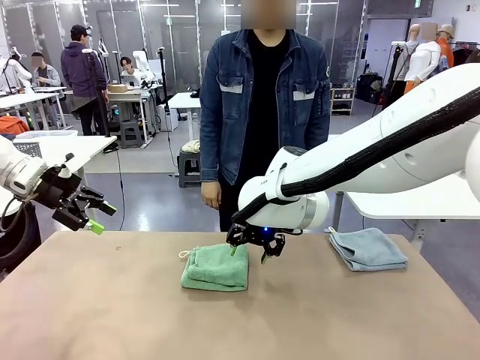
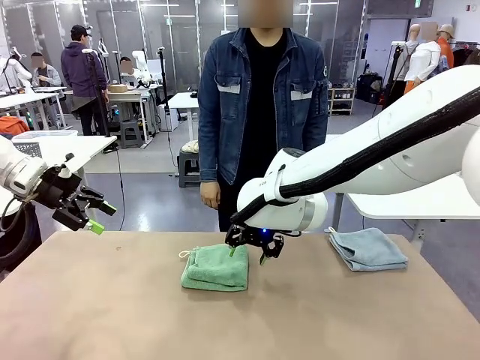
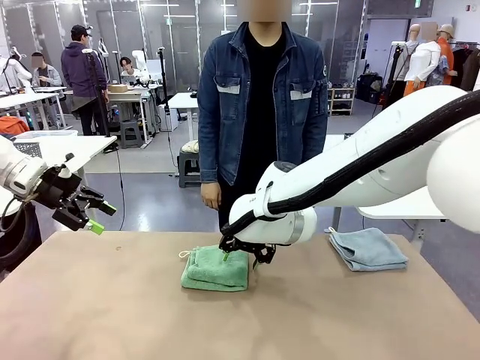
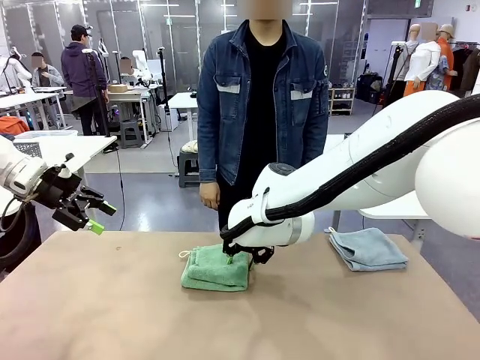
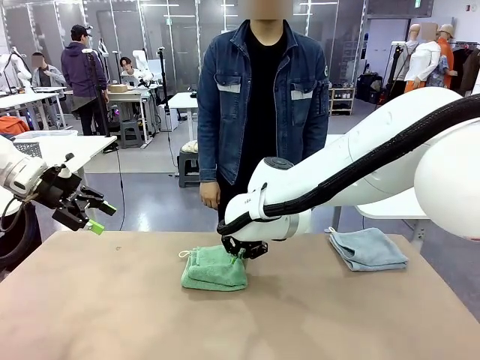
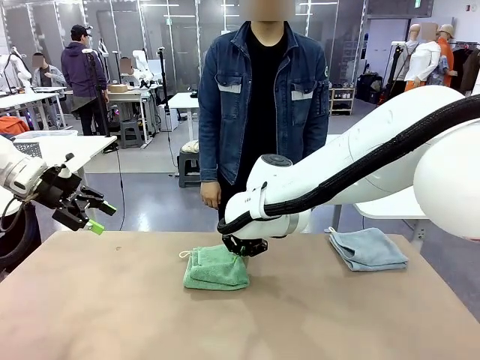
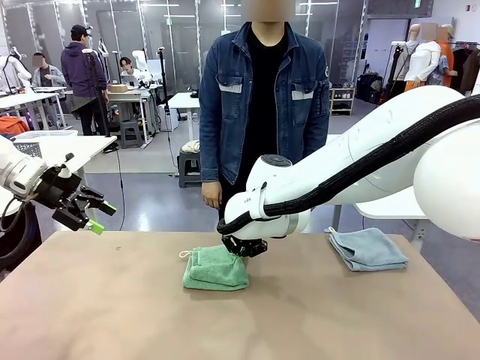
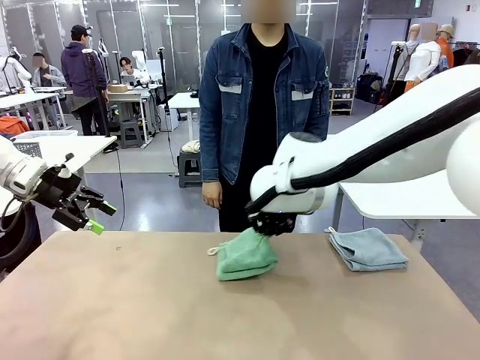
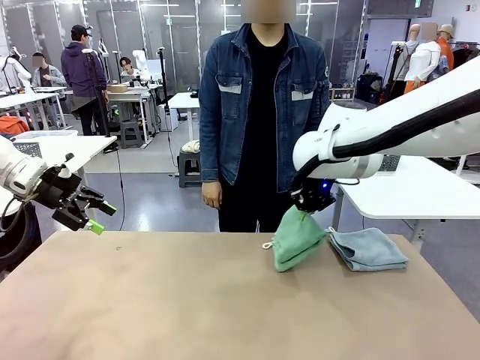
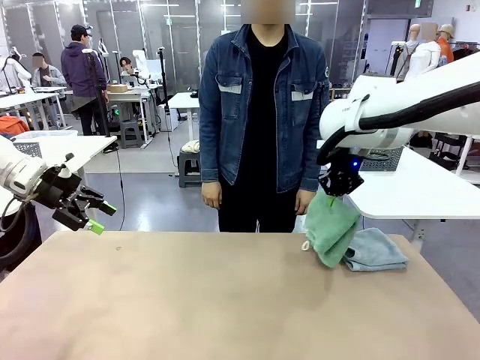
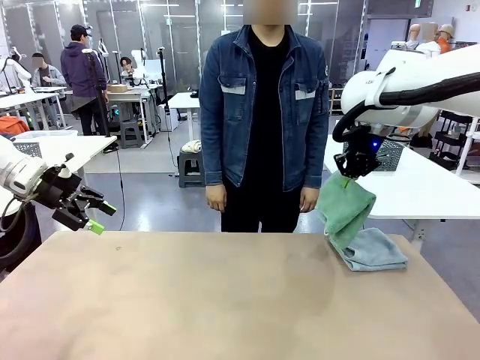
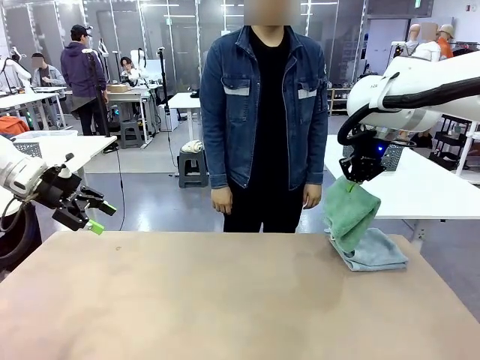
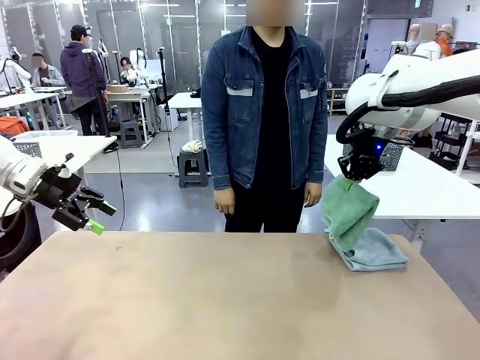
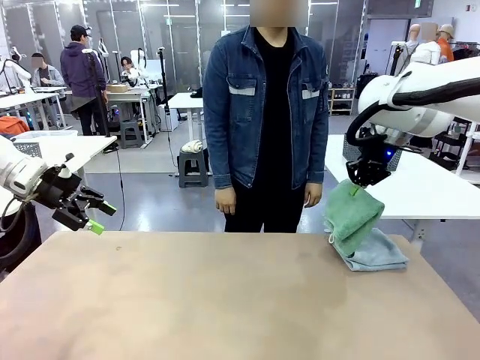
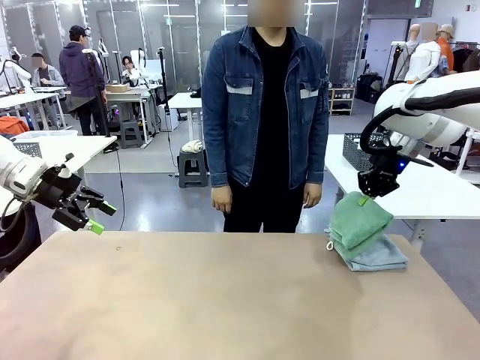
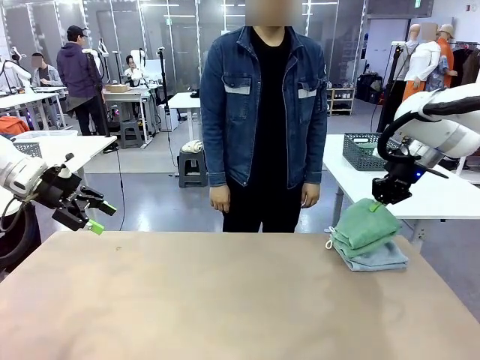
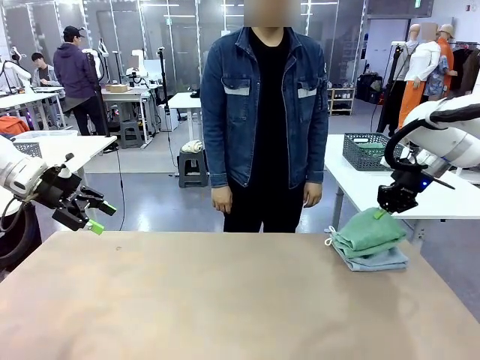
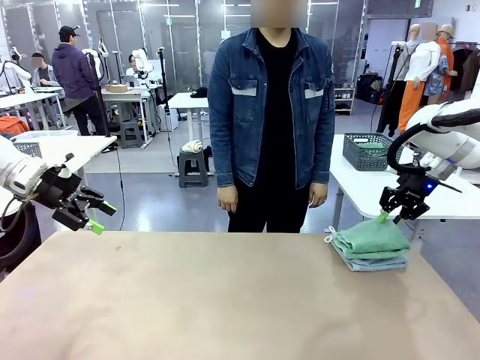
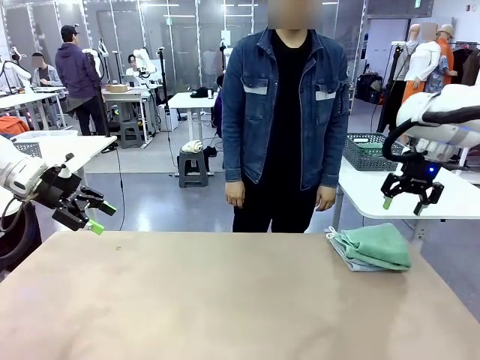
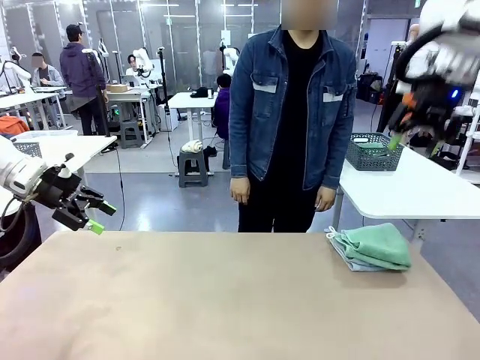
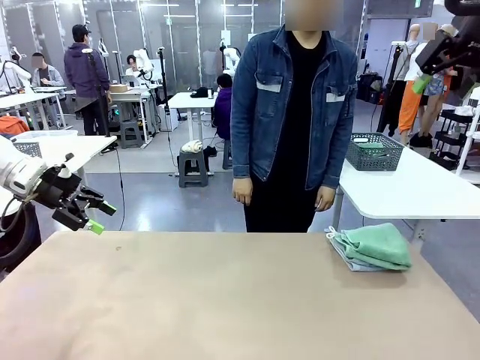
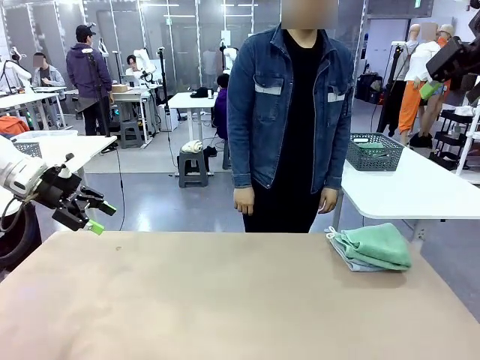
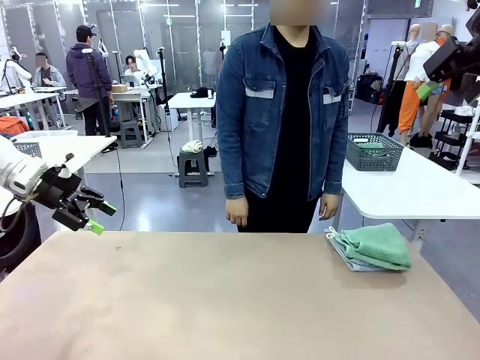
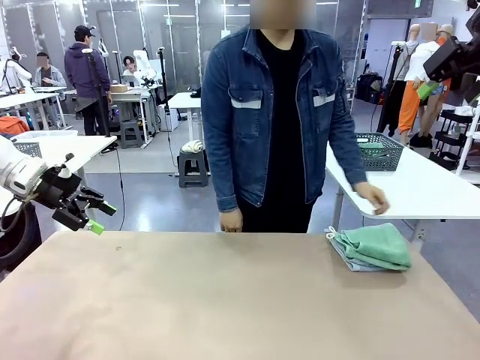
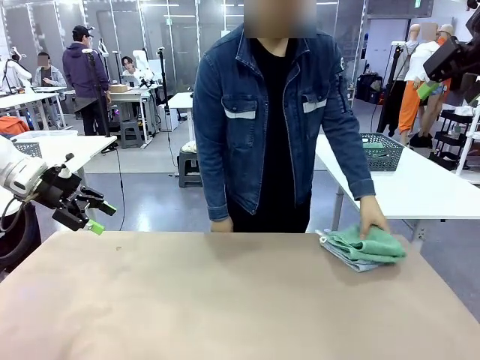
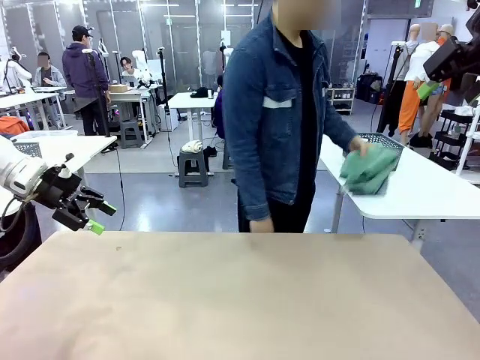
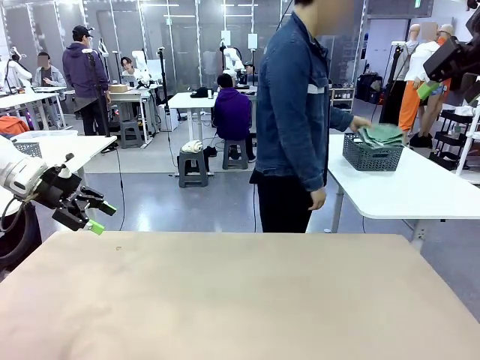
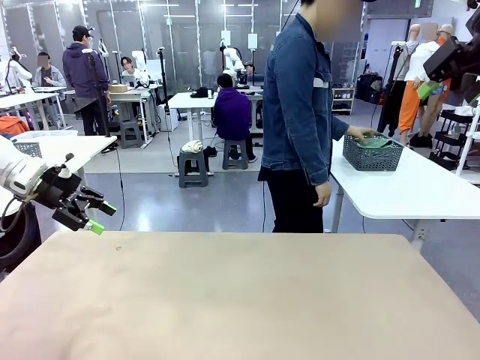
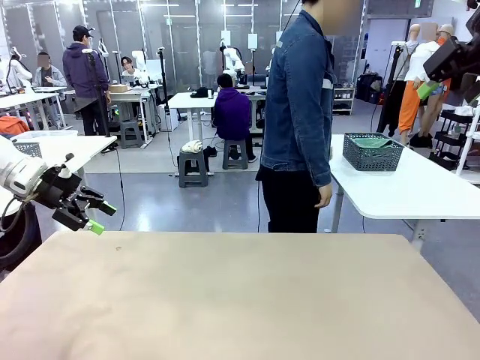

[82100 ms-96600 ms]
Task: Fold the towels and place them in the basket.
Robot: Stack the folded Towel with hook on the right side of the table.
Person: Pick up the stack of towels from the robot table and place it into the basket.

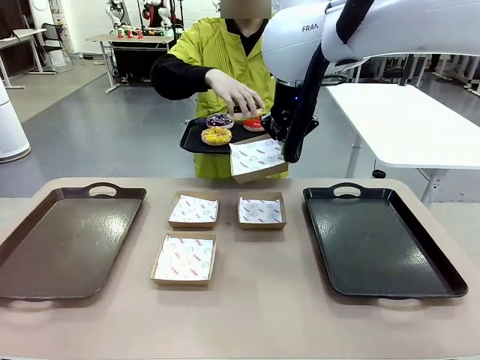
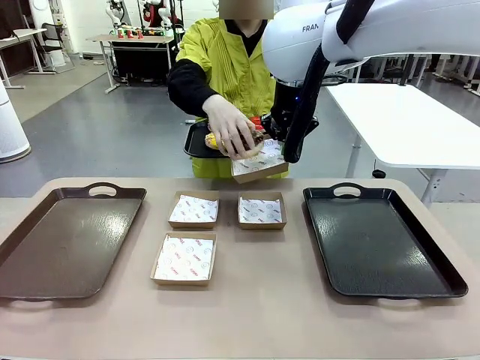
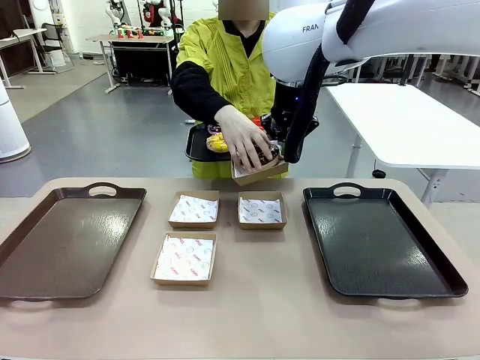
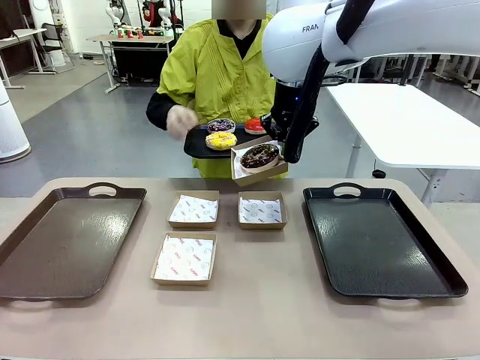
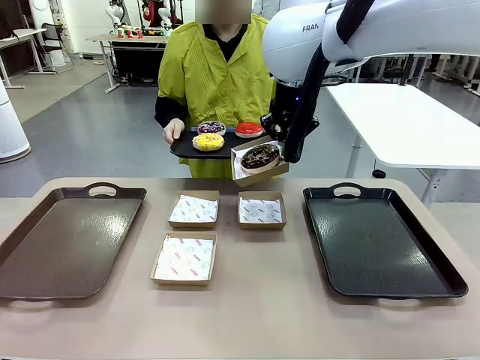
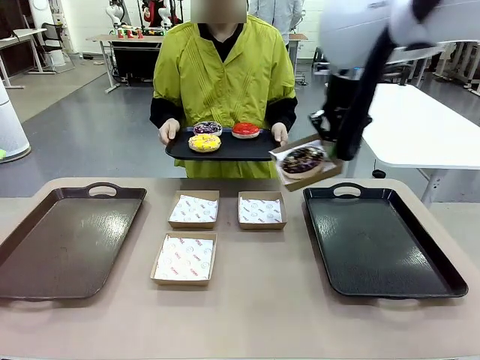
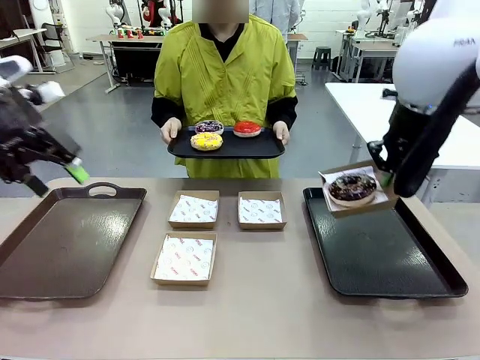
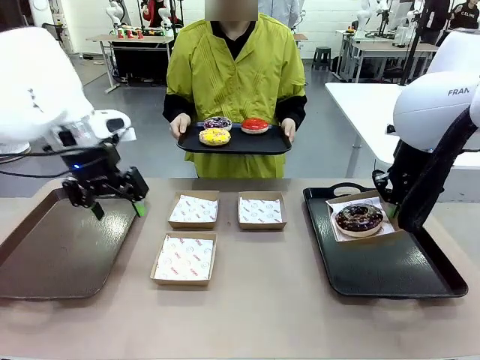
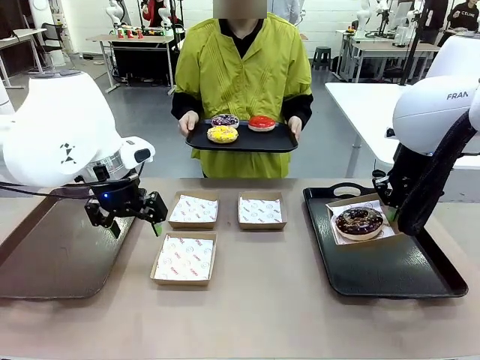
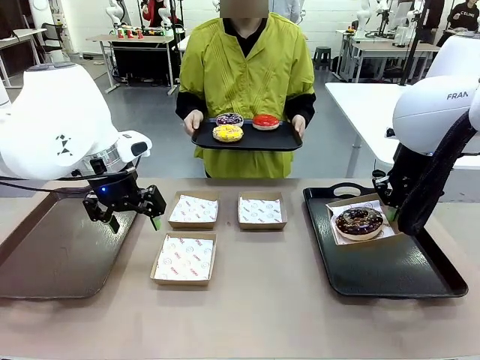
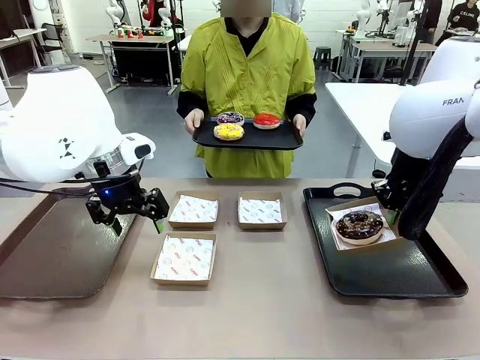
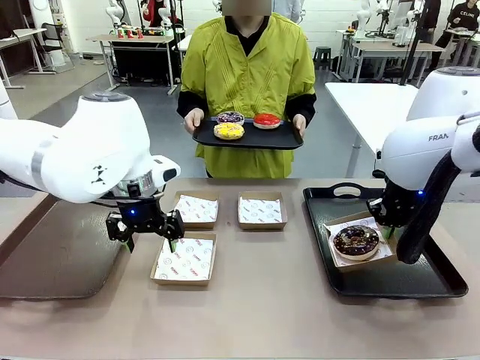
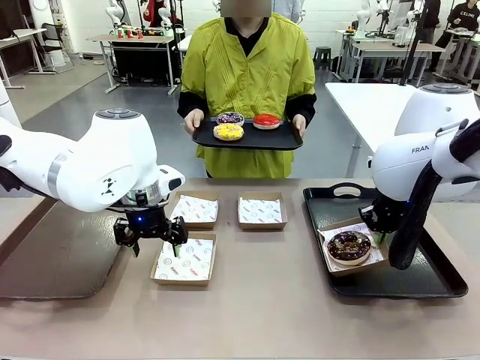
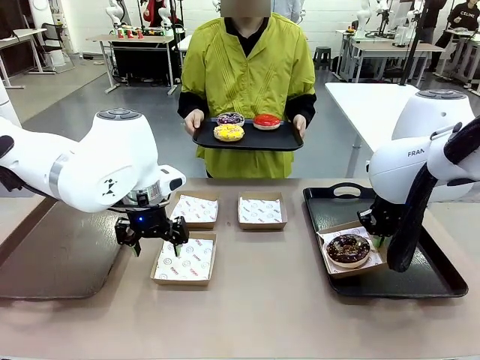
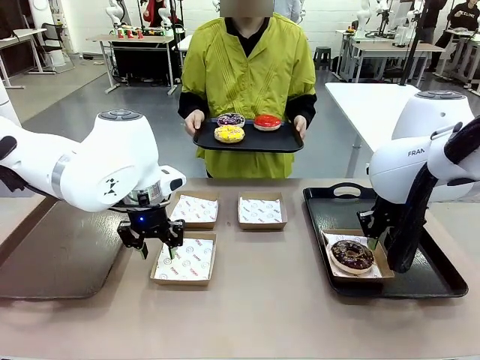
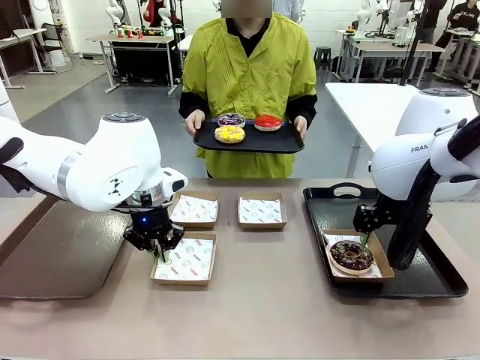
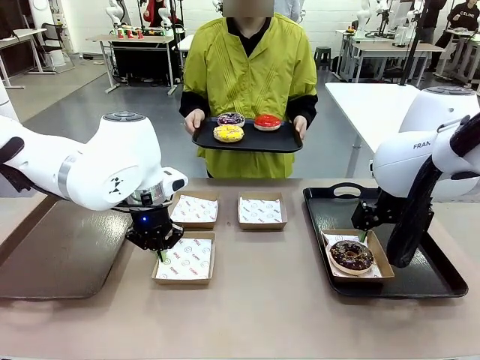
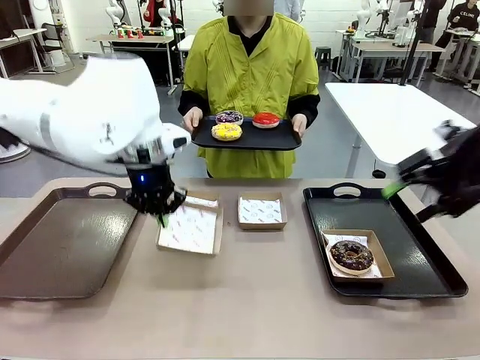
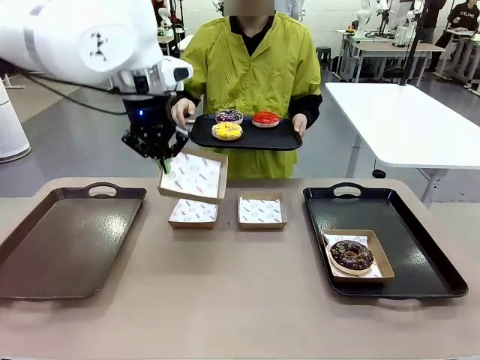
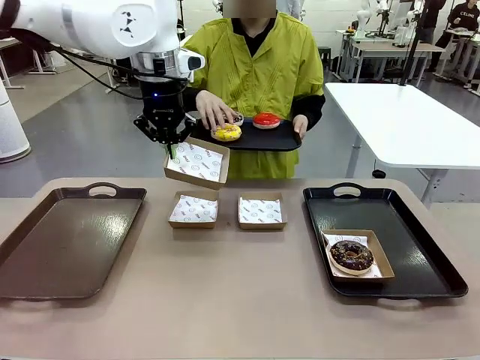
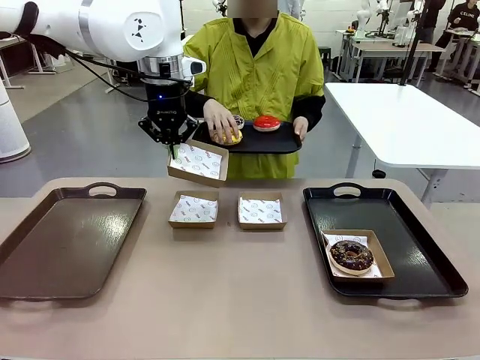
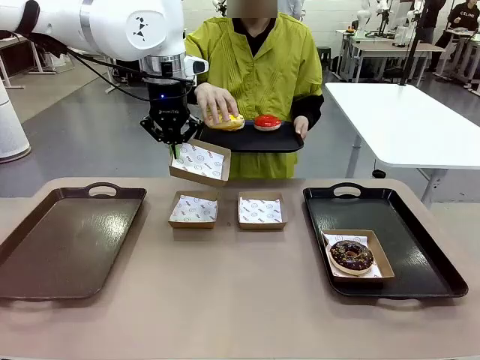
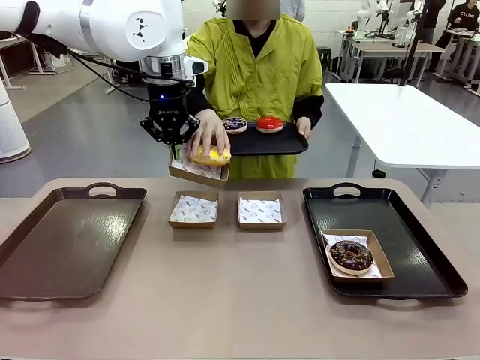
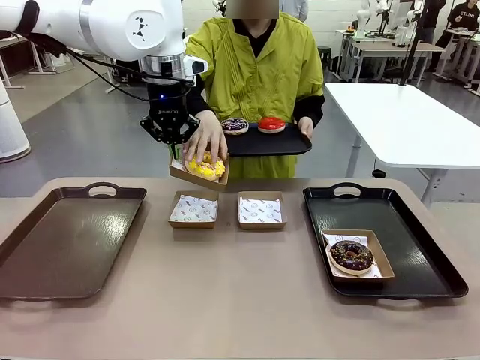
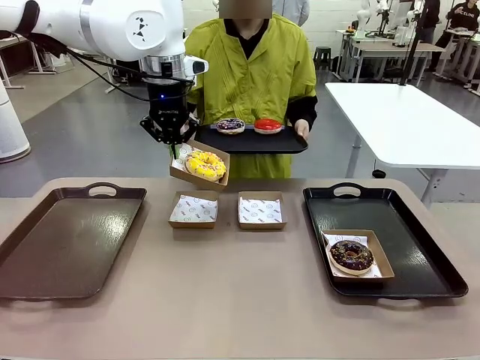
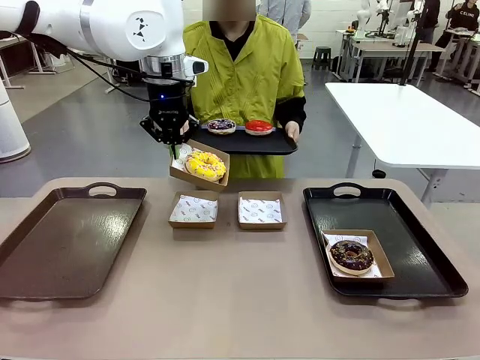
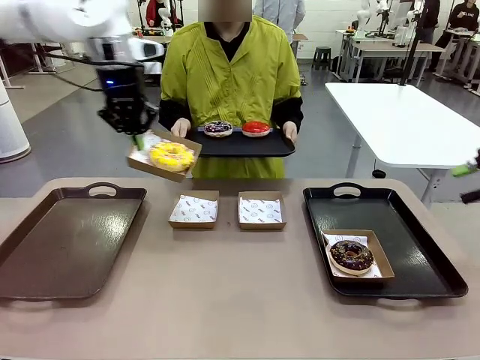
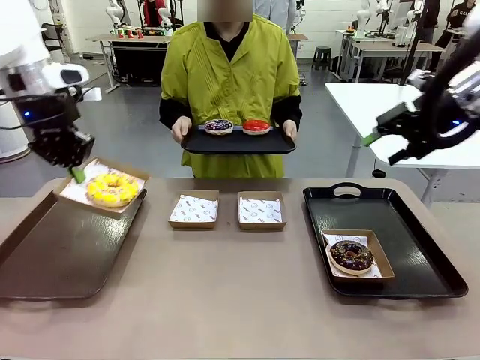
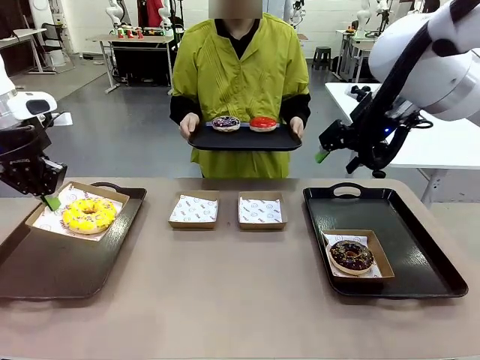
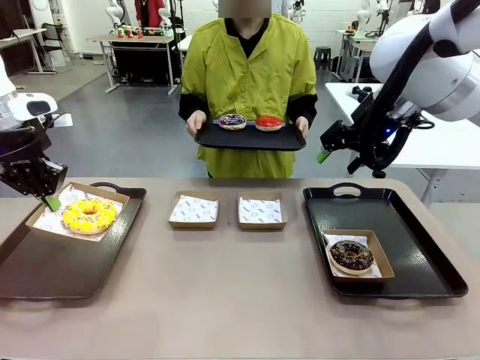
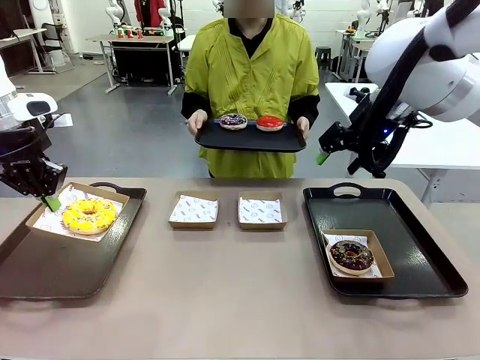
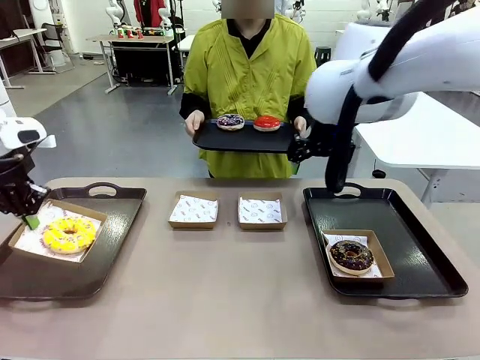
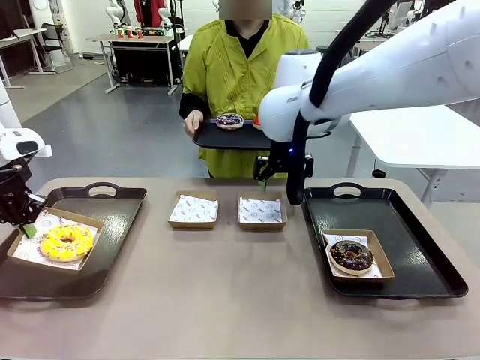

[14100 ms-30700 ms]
Task: Individually package the donuts and arrange them on the tray.
Robot: Place the picked Paper togo box on the Handle tray while simultaneously picking up another Paper togo box from the table with the other hand.
